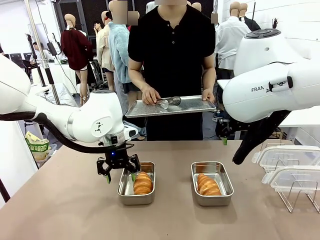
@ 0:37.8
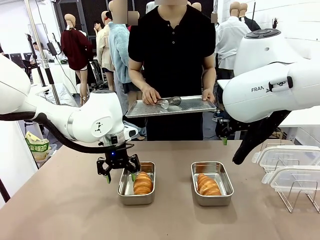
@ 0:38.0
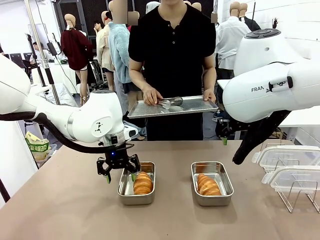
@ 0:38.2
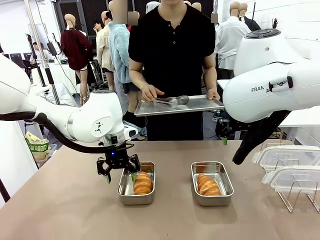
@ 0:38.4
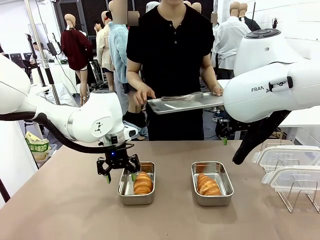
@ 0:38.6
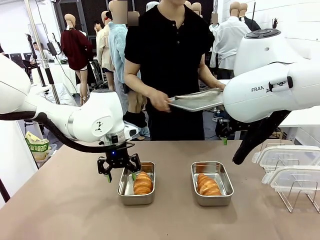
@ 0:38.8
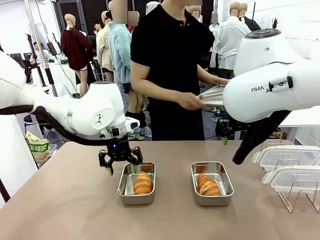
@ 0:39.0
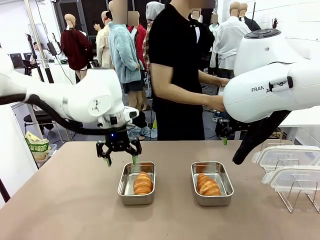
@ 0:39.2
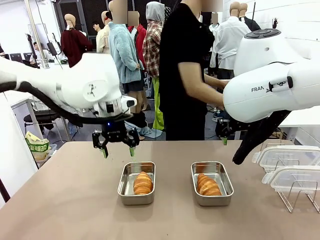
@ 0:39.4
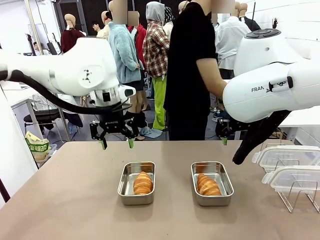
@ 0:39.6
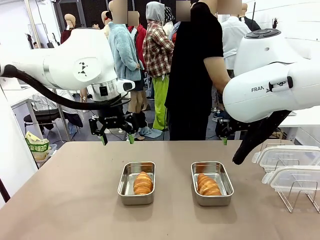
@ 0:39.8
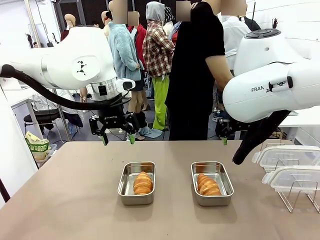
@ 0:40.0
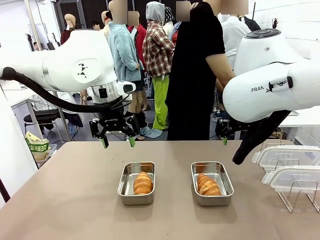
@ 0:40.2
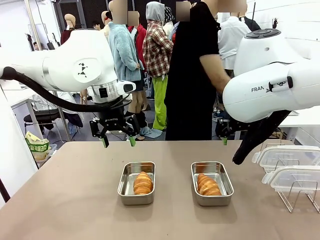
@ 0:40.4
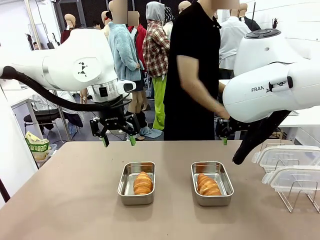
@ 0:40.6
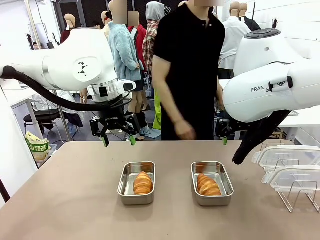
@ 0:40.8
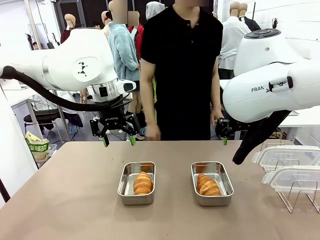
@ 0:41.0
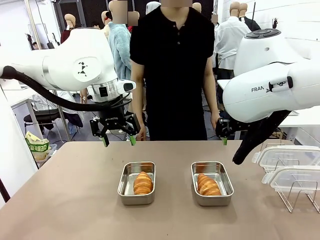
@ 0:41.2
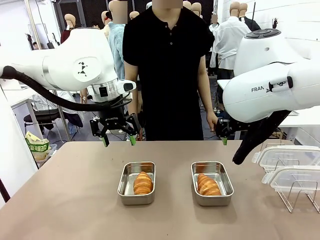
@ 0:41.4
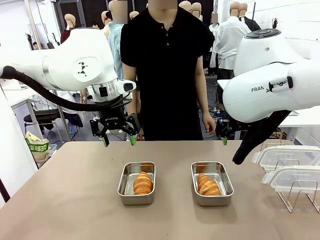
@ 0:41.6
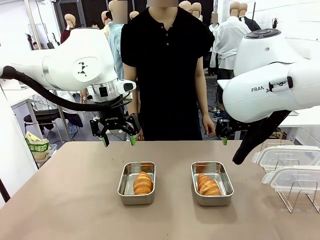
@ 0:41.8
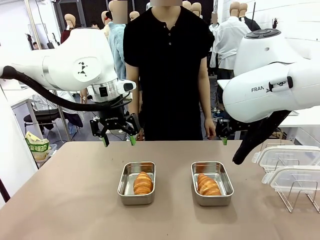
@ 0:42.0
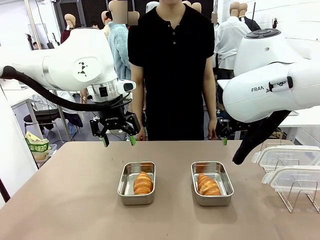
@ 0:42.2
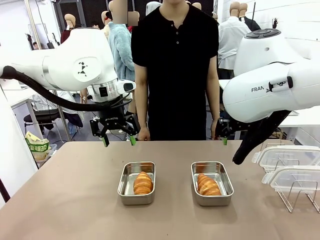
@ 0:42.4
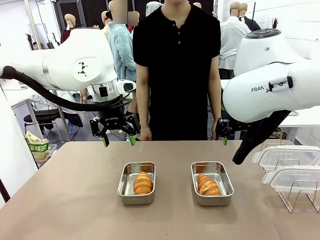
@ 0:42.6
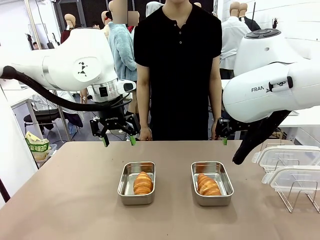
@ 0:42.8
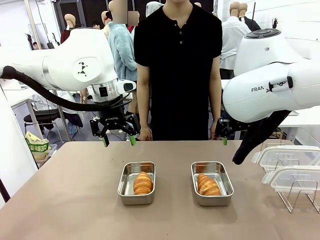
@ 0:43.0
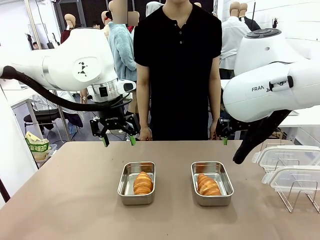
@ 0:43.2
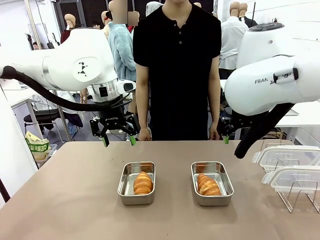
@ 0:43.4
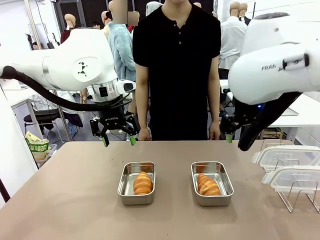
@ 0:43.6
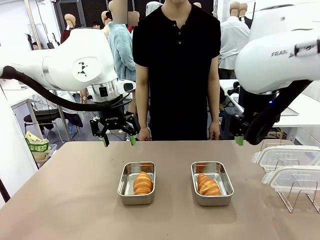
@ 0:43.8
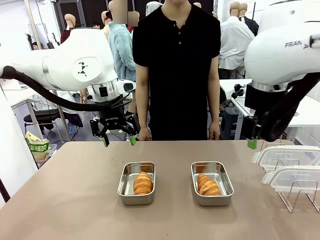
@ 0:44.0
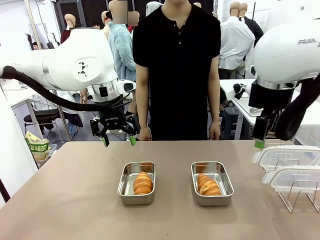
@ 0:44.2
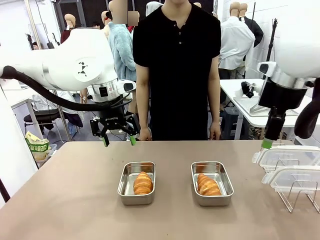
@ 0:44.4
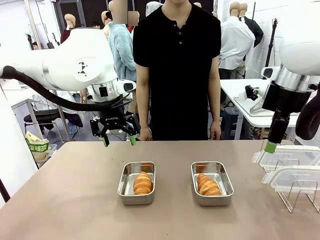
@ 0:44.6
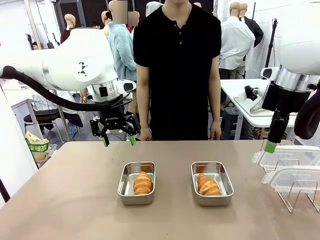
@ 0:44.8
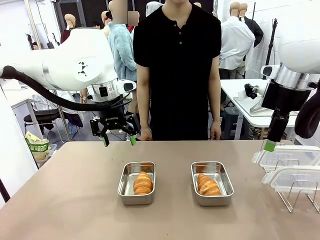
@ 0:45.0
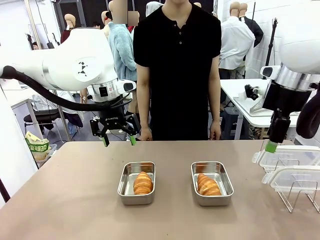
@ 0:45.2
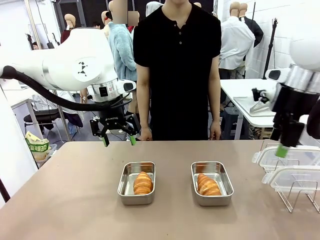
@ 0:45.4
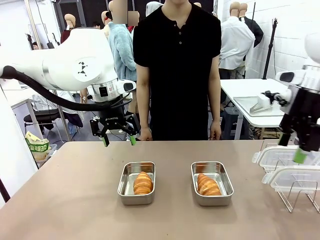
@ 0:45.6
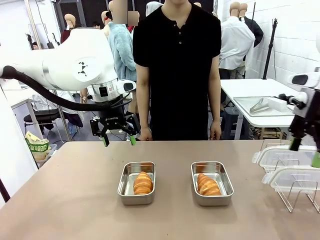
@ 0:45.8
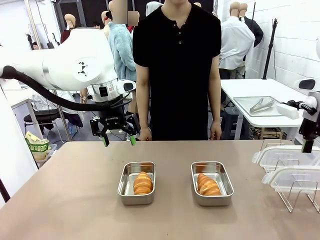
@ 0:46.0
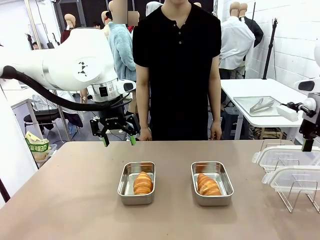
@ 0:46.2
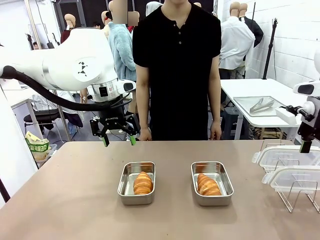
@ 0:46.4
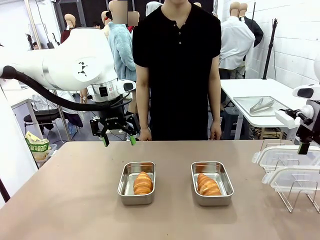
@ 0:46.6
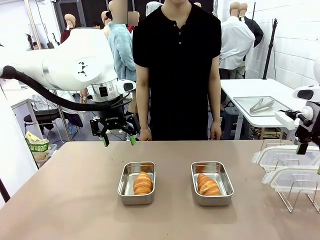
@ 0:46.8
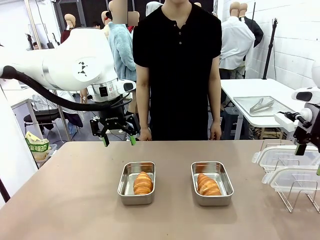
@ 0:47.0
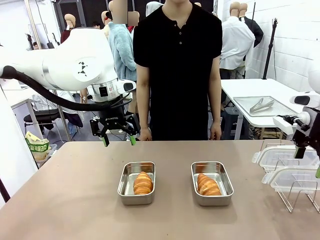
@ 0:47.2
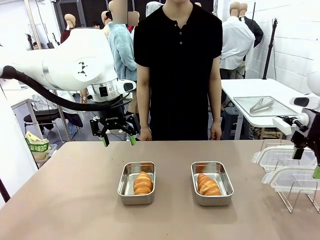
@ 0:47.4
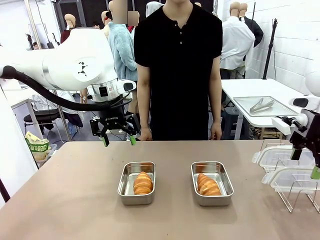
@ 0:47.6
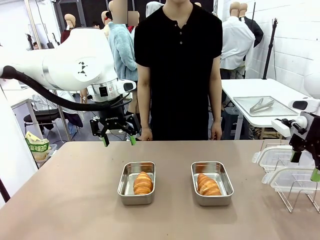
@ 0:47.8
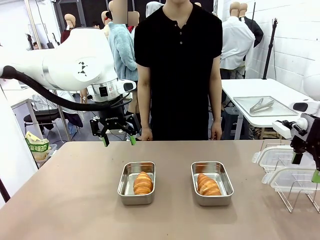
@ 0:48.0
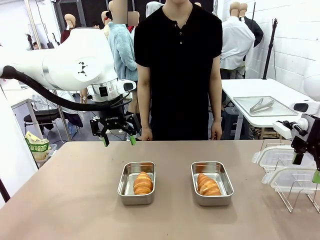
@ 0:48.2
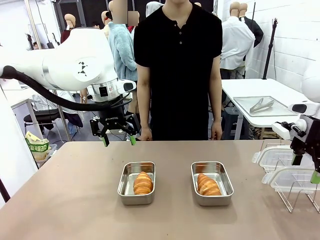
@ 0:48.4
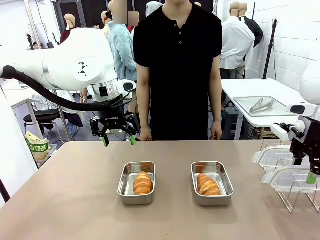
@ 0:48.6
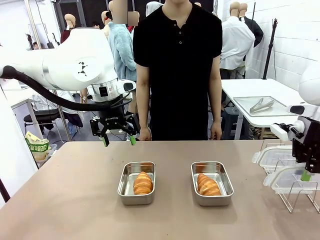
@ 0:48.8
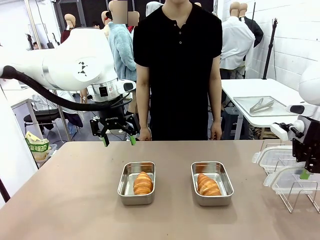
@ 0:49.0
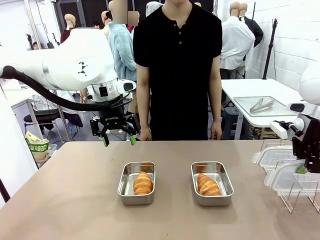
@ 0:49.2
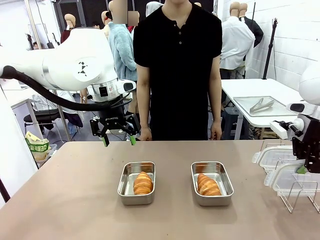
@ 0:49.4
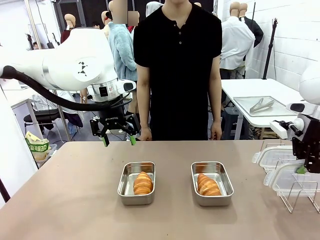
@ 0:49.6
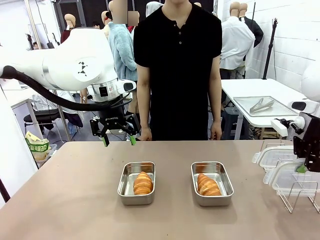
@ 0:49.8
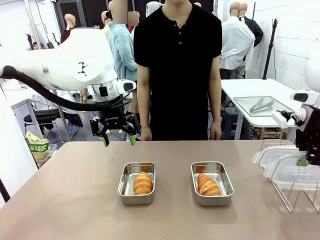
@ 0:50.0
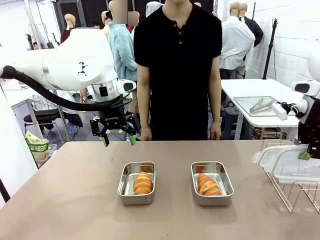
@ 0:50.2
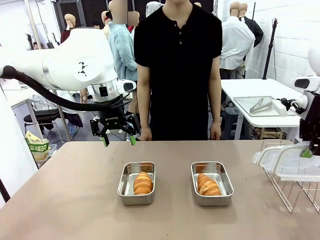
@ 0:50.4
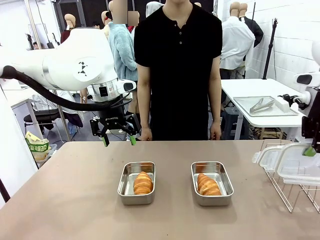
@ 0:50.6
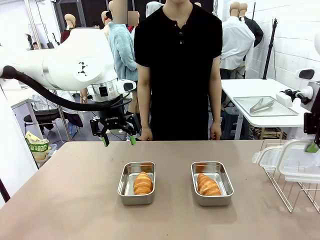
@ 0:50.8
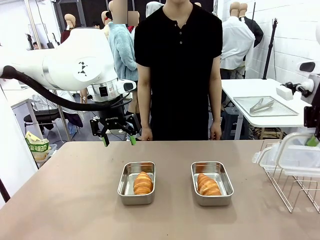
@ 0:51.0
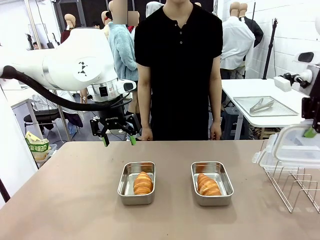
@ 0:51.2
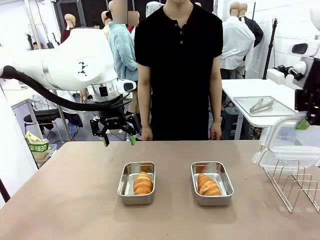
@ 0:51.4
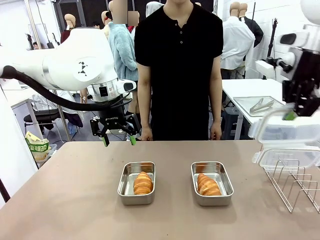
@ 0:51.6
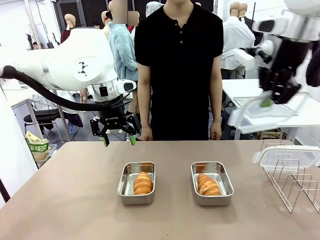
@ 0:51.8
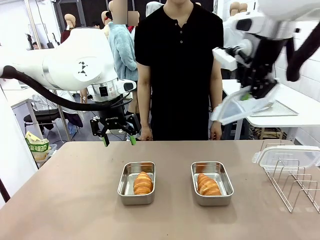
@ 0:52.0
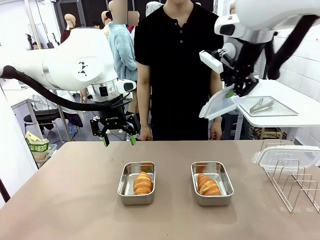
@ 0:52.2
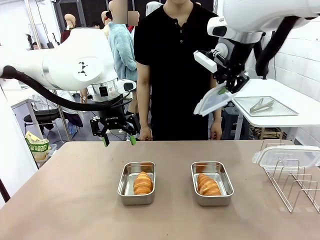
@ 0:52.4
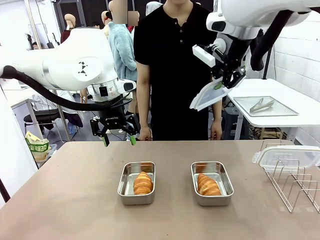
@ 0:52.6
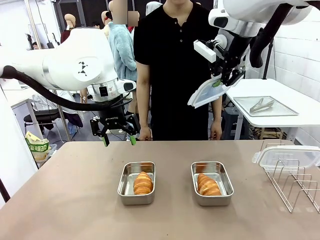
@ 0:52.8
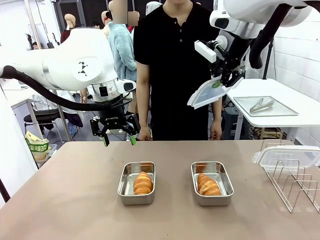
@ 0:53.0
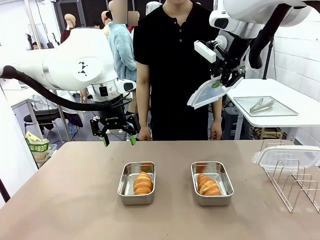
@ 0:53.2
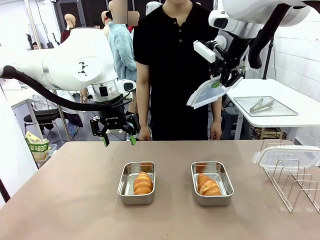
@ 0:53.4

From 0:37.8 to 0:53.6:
Task: Place the bread in airtight containers.
Robot: Pick up one Airtight Container lid and hand it to the human.
Person: Grip Airtight Container lid that robot is handing.

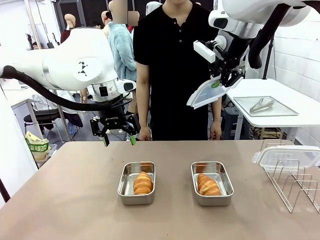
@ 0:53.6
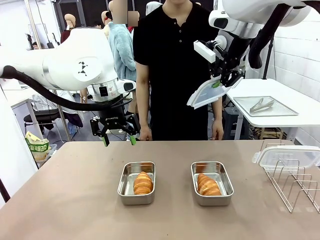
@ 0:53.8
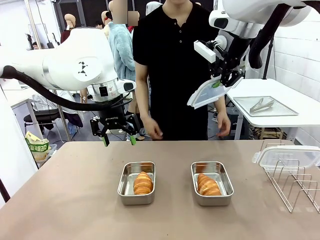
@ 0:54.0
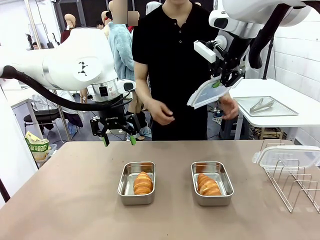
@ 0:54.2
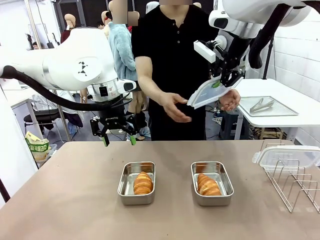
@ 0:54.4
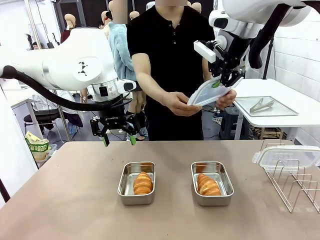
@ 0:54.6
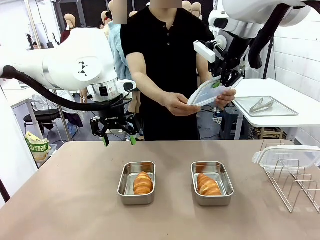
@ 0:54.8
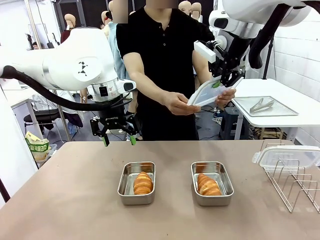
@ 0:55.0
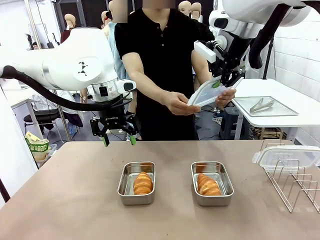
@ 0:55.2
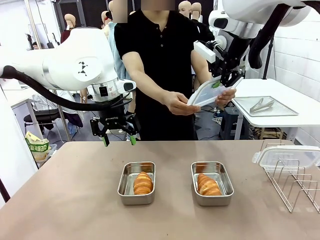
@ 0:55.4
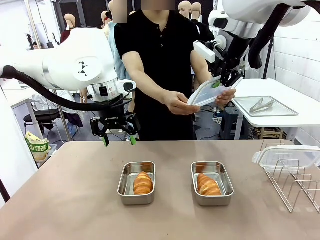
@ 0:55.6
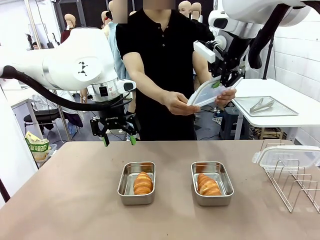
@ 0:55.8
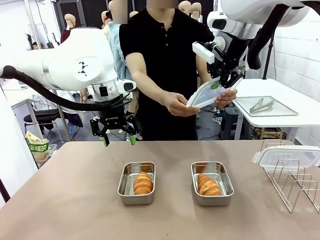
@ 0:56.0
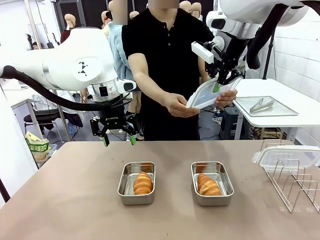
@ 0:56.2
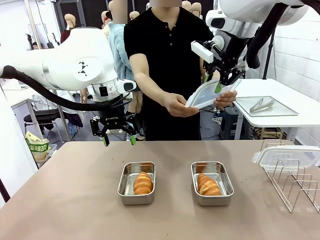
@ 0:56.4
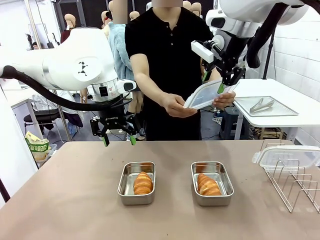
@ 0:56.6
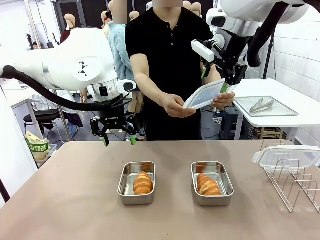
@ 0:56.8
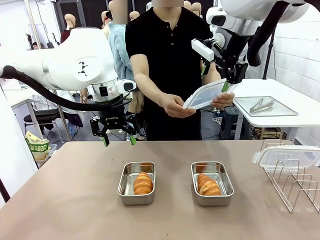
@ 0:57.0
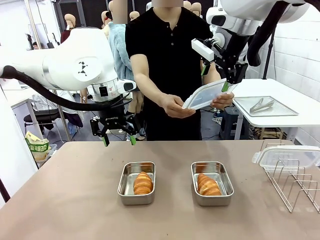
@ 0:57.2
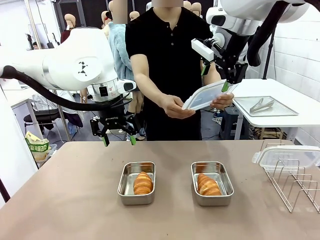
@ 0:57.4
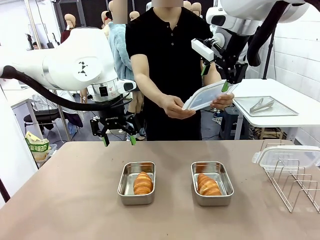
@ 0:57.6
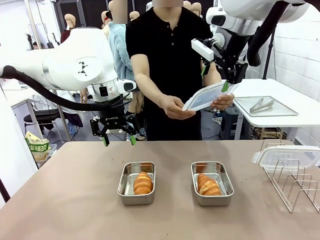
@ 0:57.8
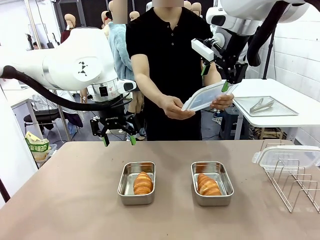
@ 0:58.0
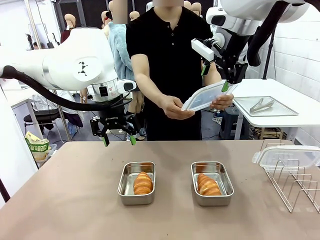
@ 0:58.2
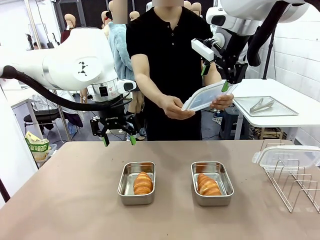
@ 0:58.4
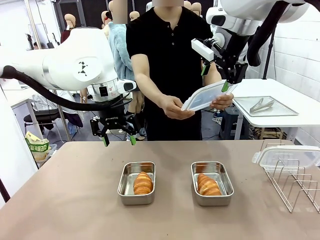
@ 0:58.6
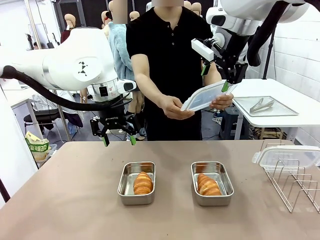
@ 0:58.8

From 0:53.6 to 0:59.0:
Robot: Release when the human grabs the Airtight Container lid.
